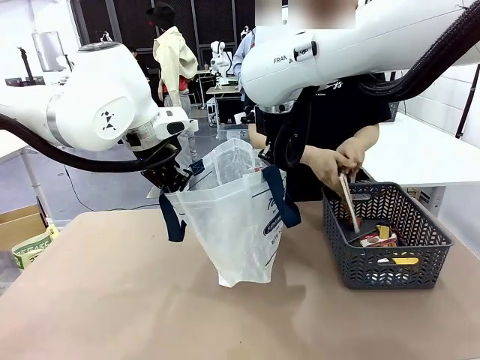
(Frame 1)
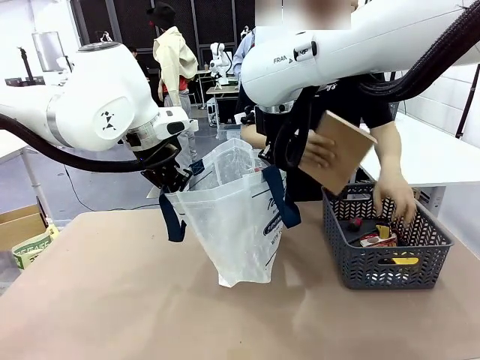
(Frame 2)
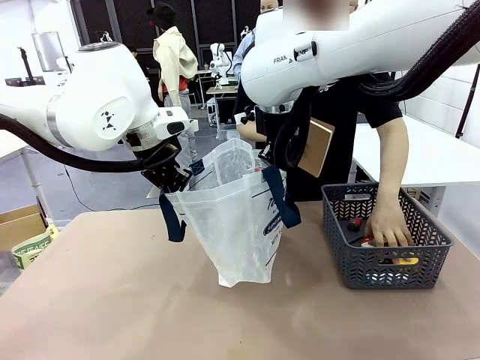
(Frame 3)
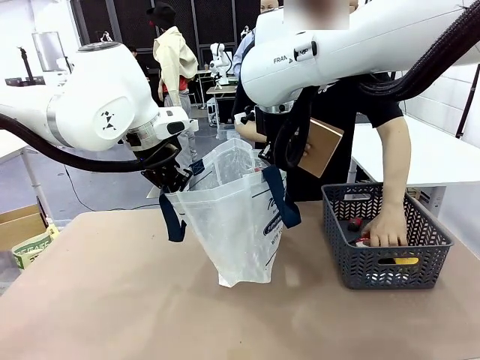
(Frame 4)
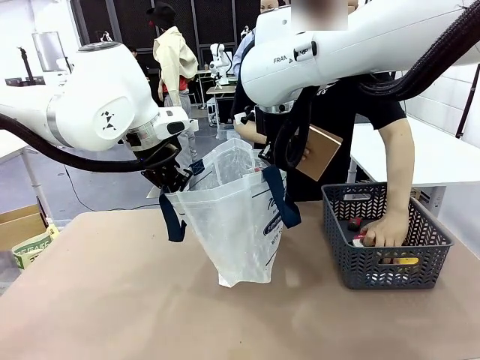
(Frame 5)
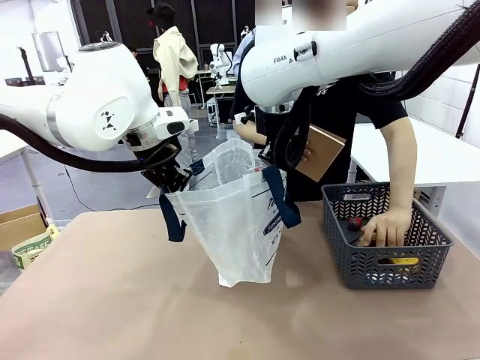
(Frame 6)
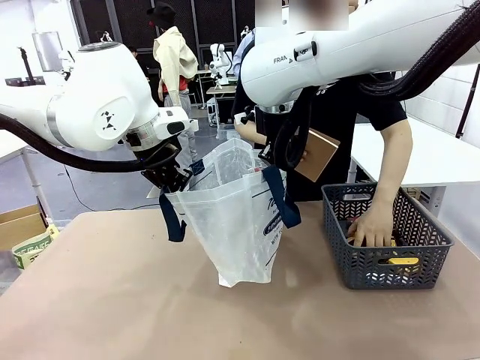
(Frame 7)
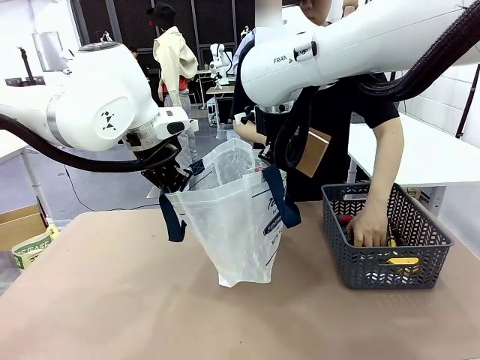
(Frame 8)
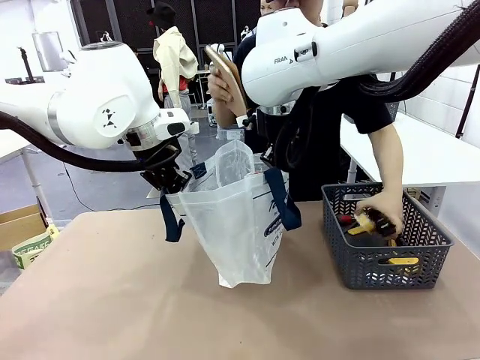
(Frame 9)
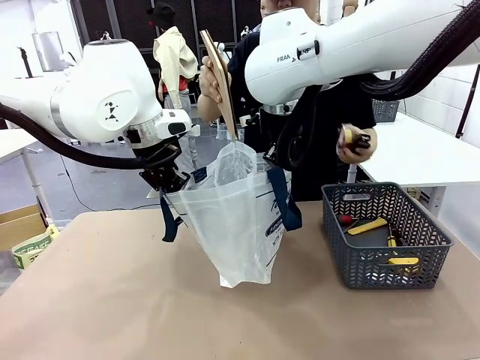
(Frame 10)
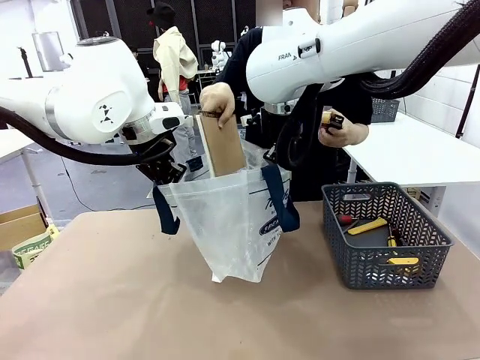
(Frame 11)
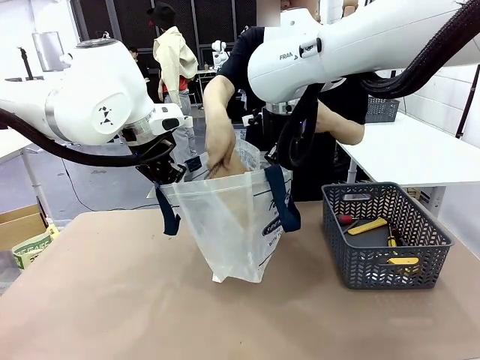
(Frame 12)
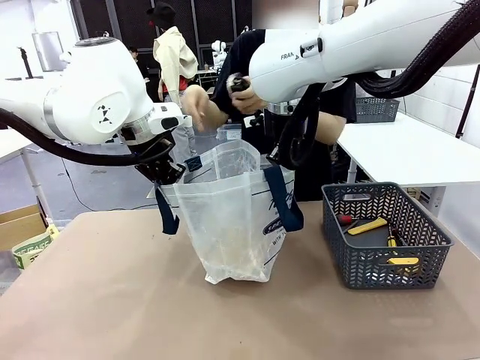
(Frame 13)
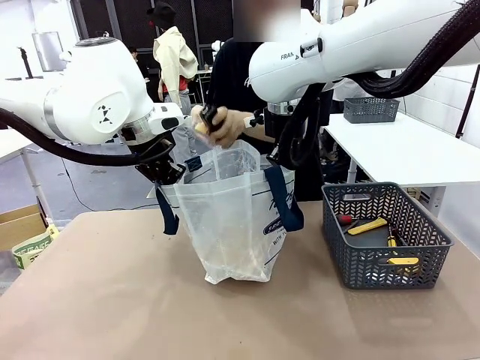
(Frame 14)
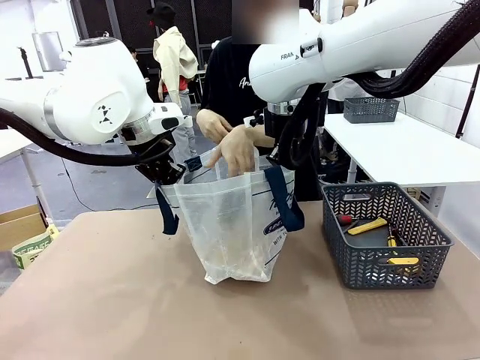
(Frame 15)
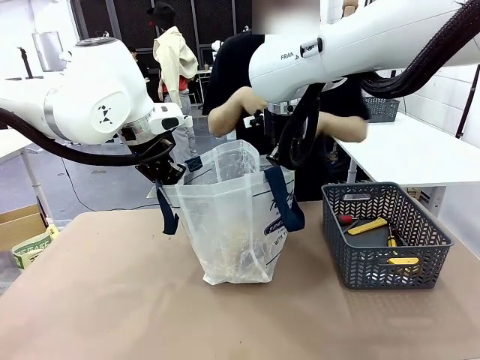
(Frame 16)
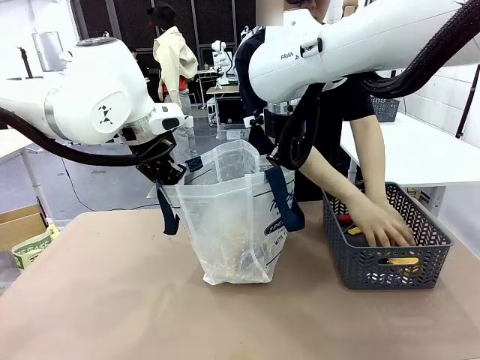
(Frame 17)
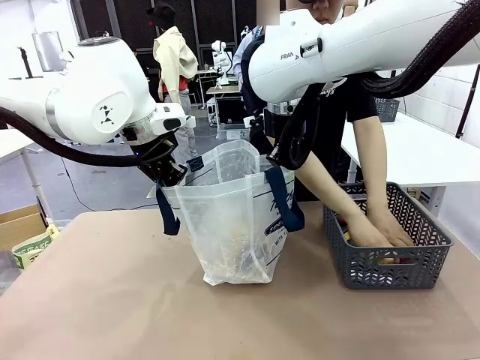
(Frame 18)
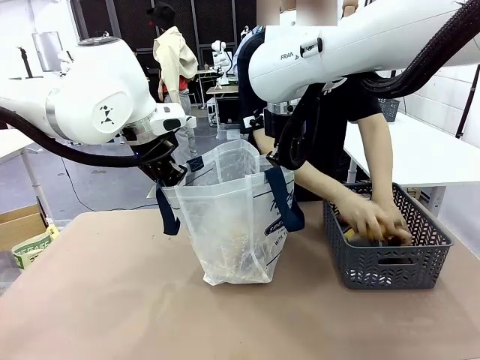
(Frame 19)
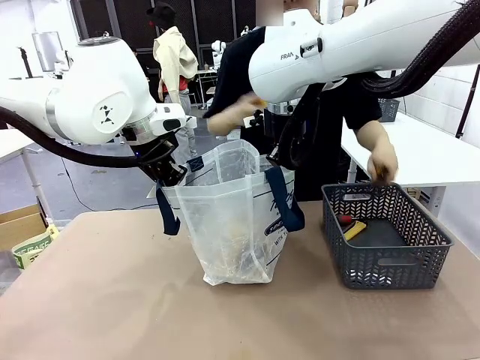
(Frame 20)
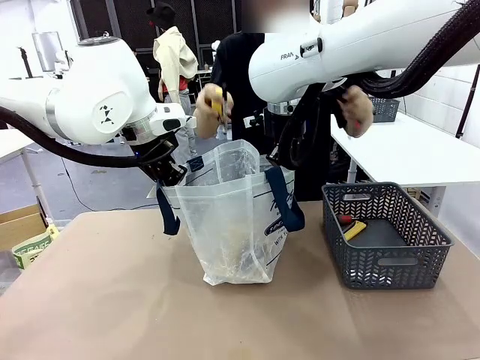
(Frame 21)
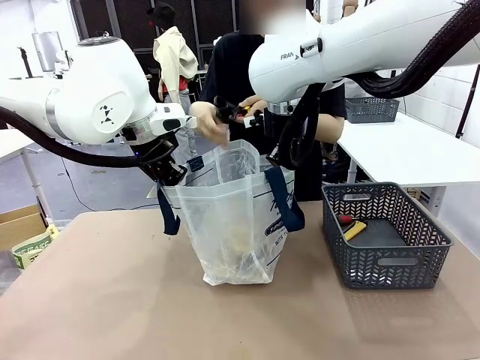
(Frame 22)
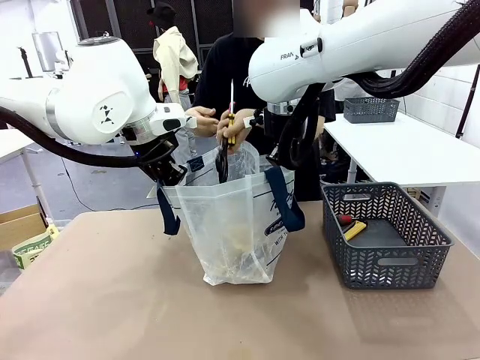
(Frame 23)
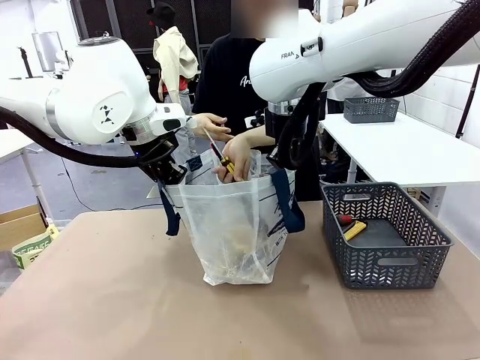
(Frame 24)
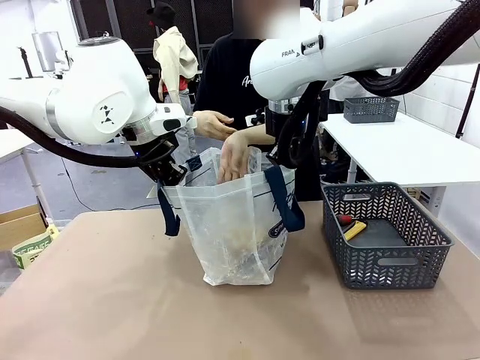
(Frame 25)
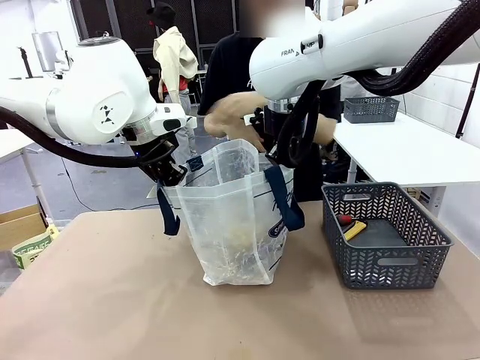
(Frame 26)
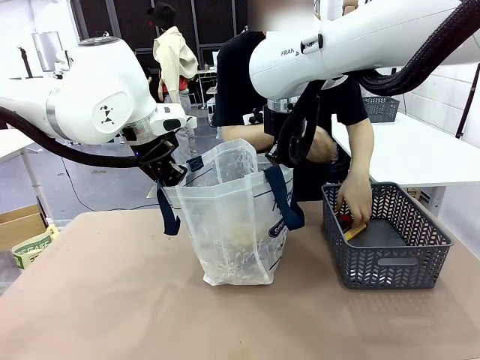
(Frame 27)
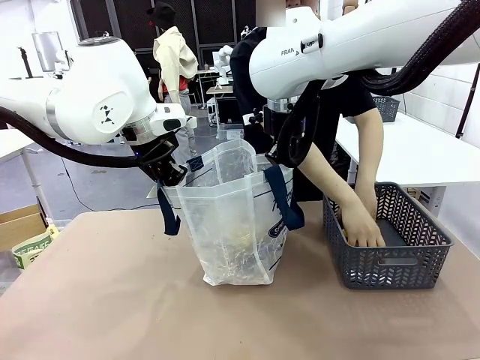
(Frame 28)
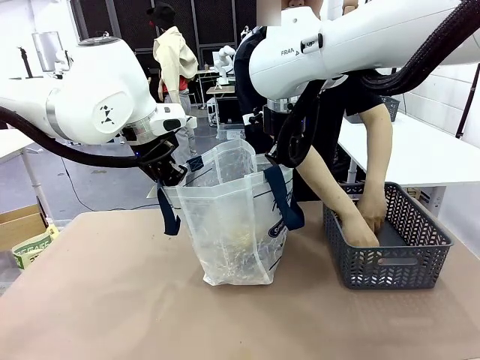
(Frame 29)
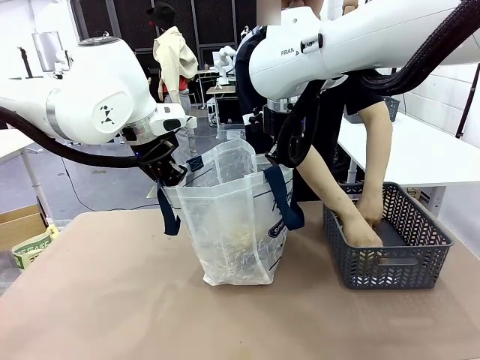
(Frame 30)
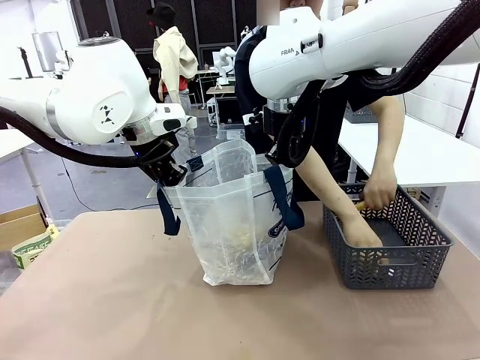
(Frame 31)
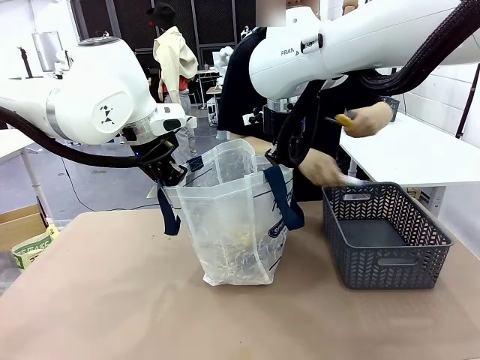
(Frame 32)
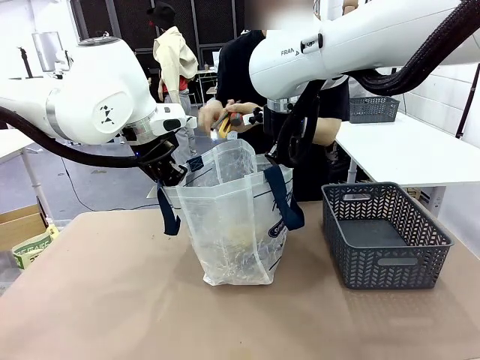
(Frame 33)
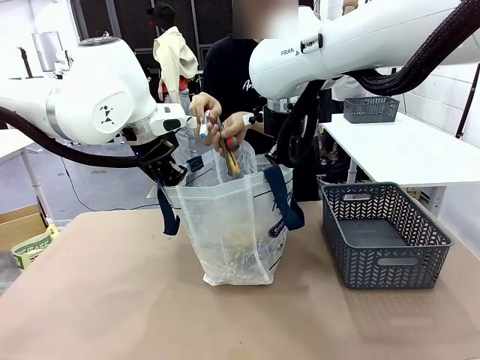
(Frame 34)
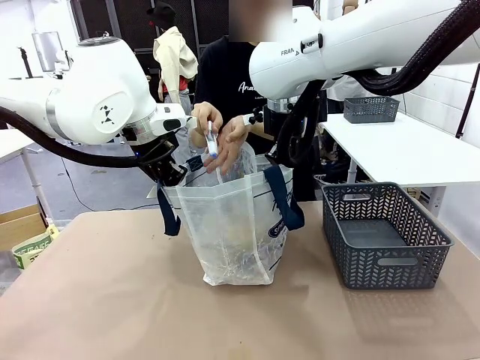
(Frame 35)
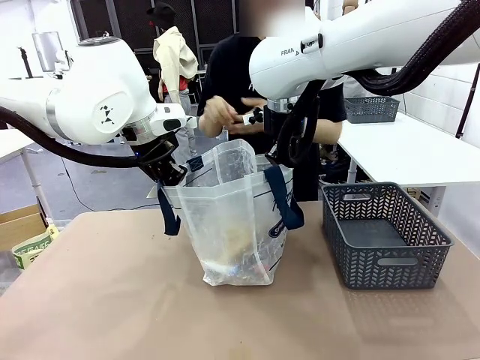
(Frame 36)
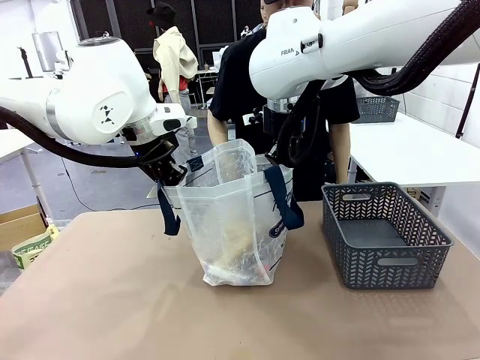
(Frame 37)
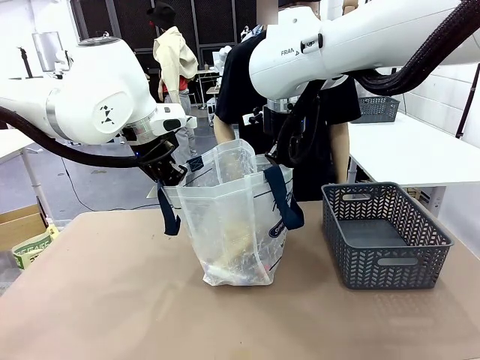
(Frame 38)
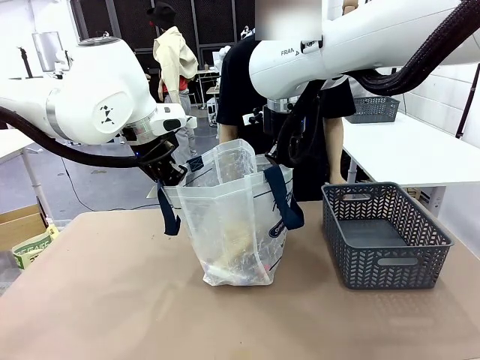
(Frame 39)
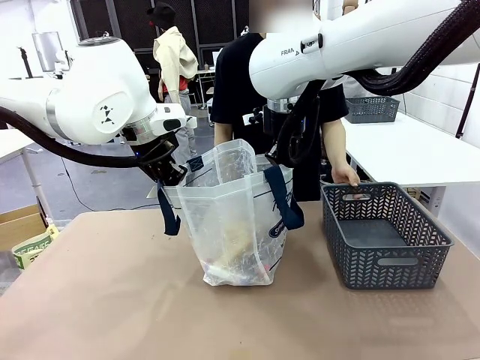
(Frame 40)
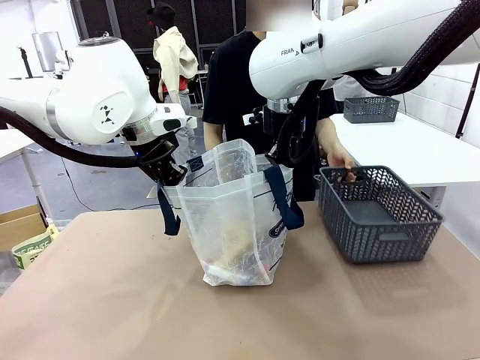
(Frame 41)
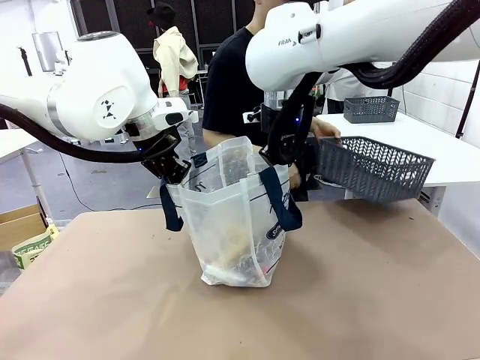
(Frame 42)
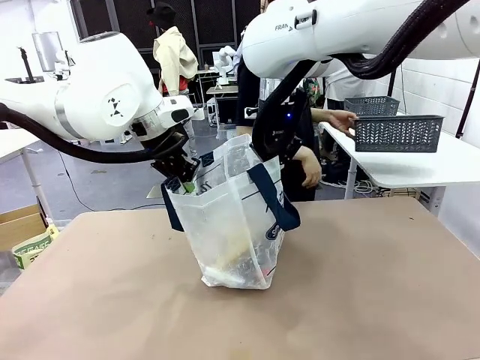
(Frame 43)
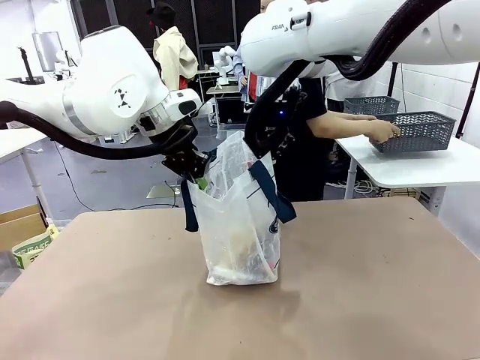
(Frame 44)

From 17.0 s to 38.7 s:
Task: Transfer purchased items from the store into the shopping bag.
Robot: Move the Reusable shopping bag to the right side of the table.
Person: Pick up the basket on the right, place it on the left side of the robot table, and move the items in the basket to the shopping bag. Pick up the basket with the items out and place it on the right side of the human table.

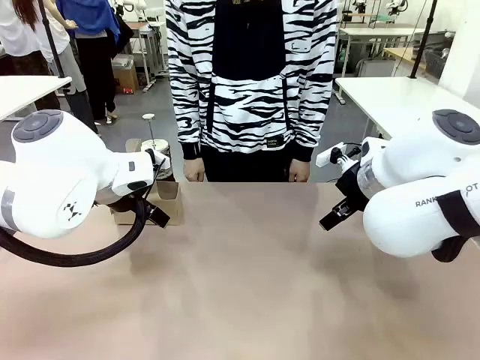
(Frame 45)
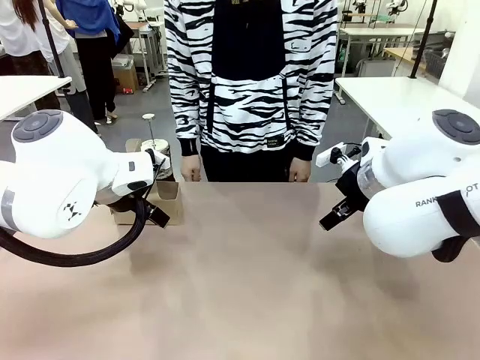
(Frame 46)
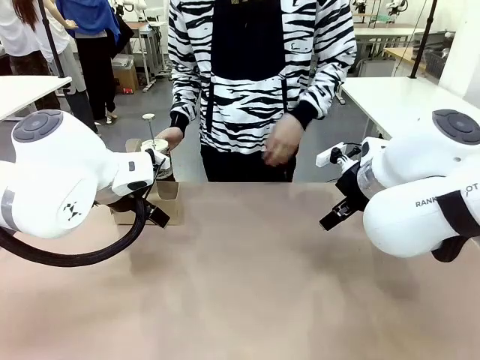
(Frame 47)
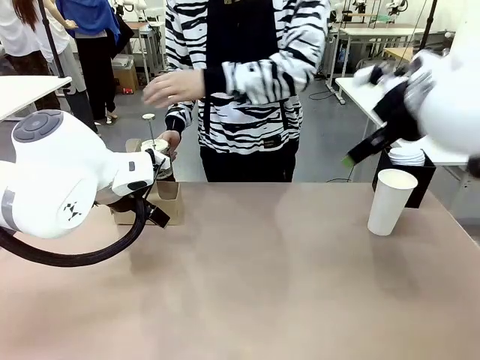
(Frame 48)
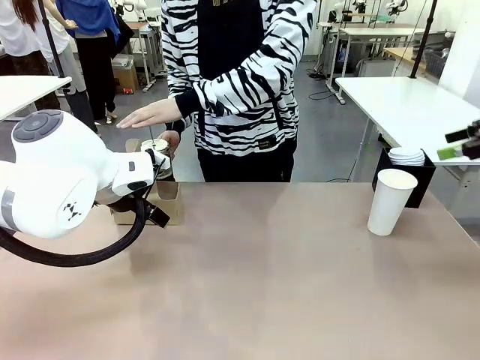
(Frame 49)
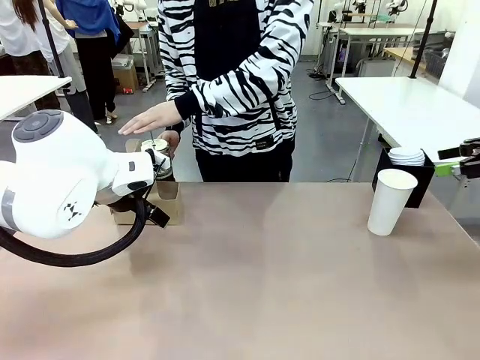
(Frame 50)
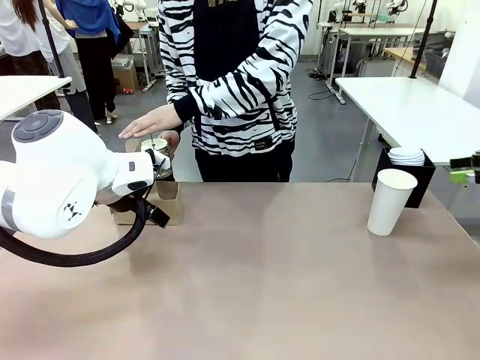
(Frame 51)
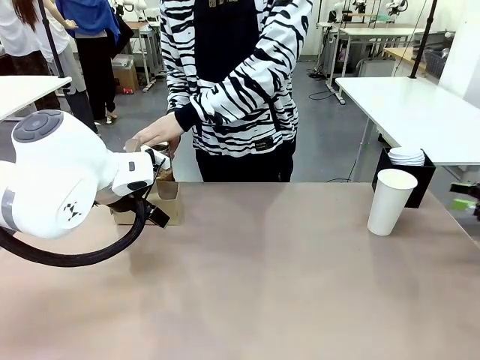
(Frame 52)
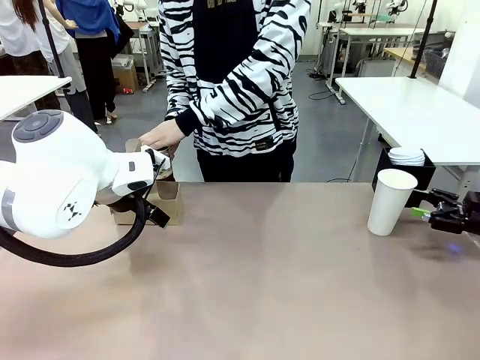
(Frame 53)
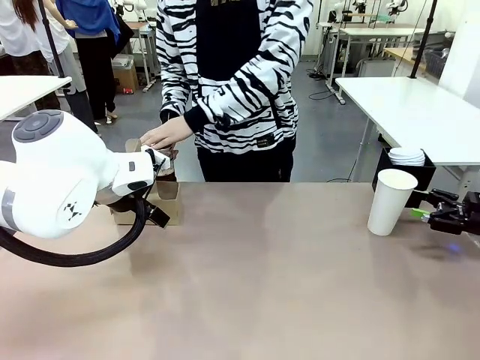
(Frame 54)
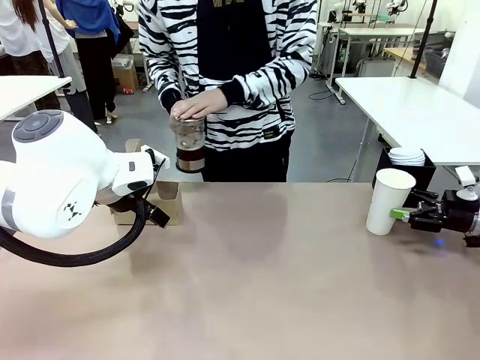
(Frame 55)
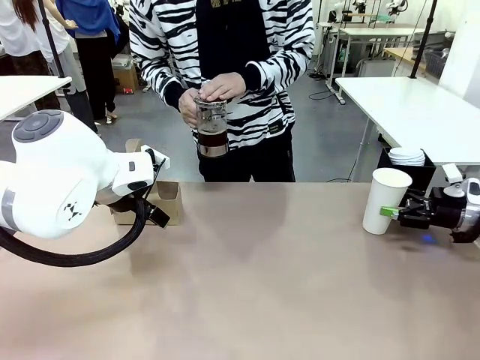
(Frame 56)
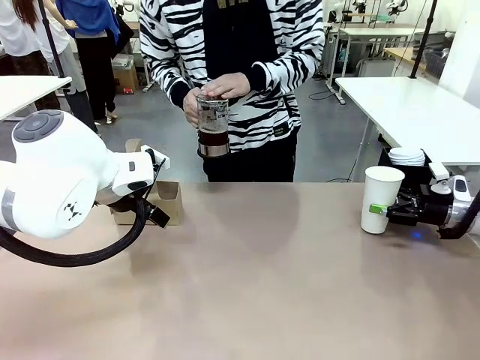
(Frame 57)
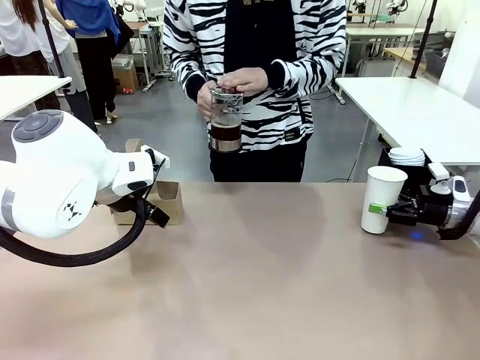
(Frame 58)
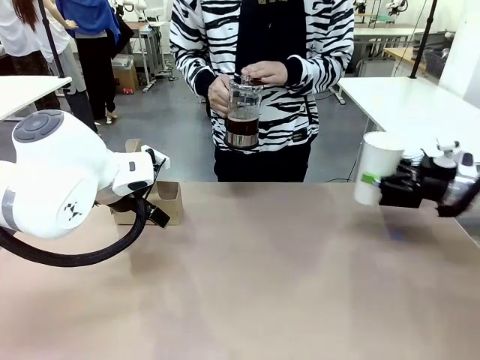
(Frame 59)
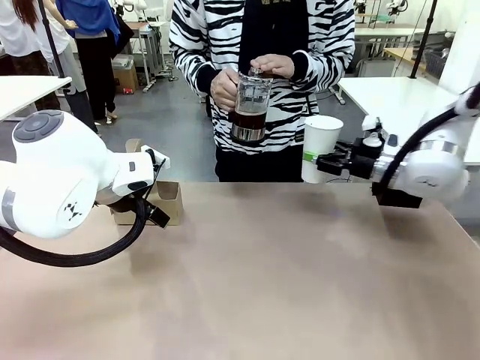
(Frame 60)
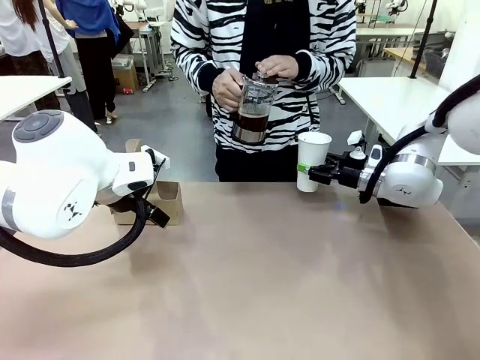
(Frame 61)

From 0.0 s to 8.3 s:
Task: Pour a drink into a cup and package it in a carrier.
Robot: Pick up the 600 ml Paper Cup and place it in the middle top area of the table.
Person: Press and pick up the Filter Brewing.
